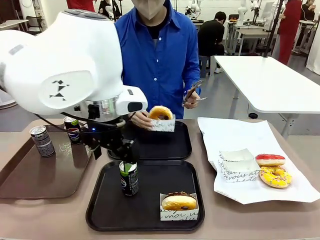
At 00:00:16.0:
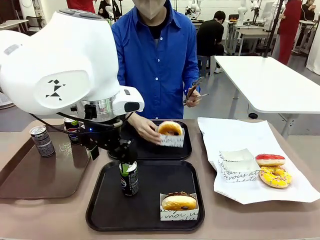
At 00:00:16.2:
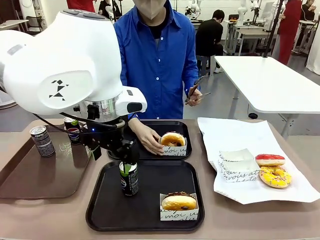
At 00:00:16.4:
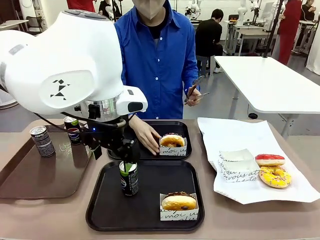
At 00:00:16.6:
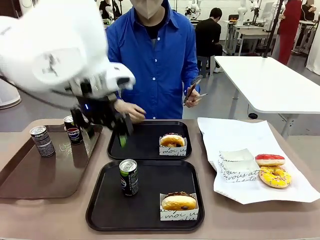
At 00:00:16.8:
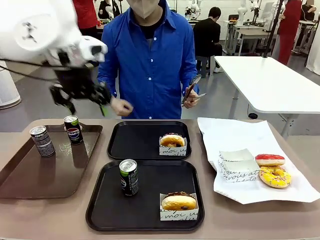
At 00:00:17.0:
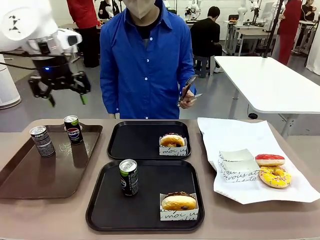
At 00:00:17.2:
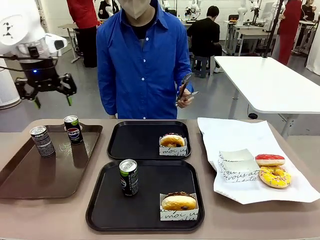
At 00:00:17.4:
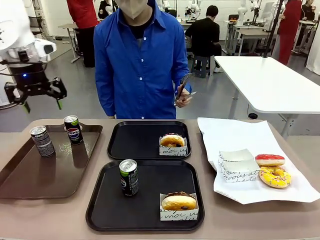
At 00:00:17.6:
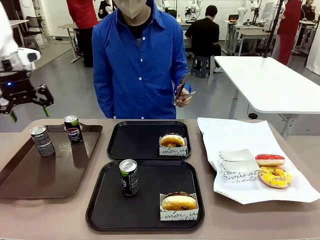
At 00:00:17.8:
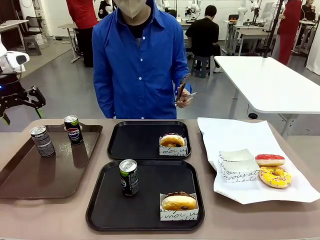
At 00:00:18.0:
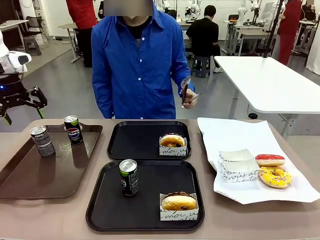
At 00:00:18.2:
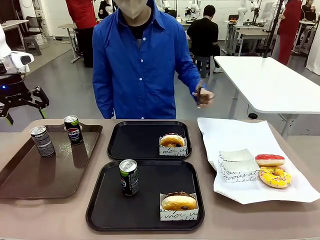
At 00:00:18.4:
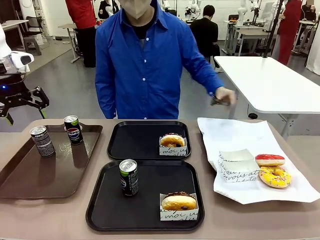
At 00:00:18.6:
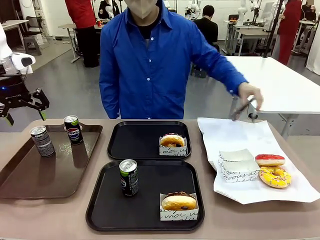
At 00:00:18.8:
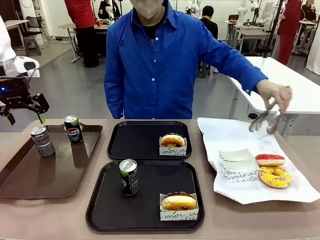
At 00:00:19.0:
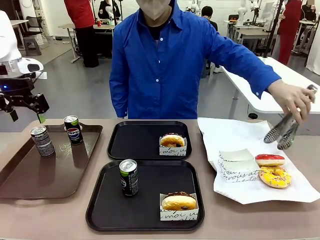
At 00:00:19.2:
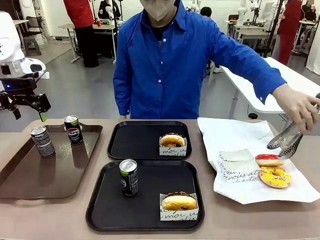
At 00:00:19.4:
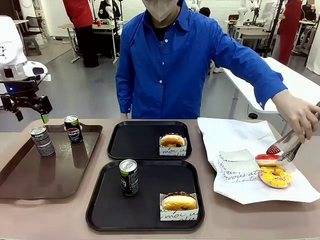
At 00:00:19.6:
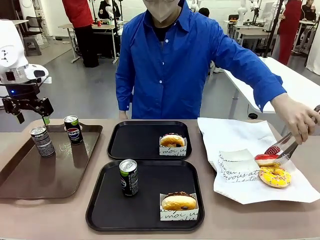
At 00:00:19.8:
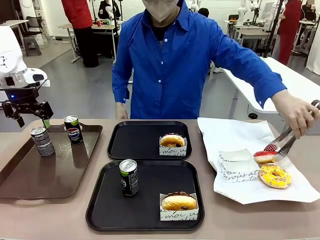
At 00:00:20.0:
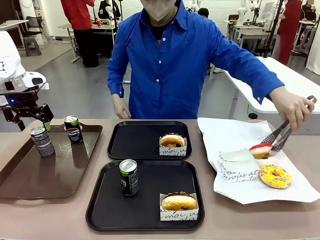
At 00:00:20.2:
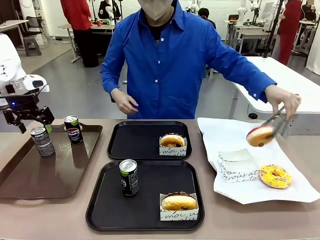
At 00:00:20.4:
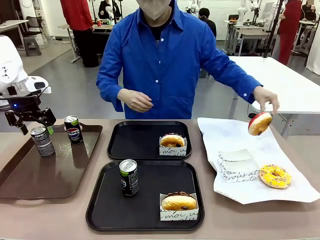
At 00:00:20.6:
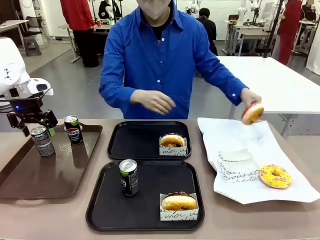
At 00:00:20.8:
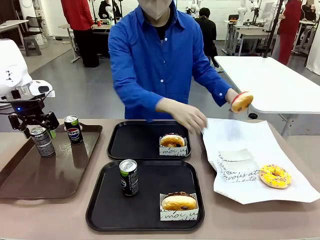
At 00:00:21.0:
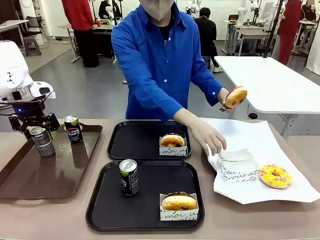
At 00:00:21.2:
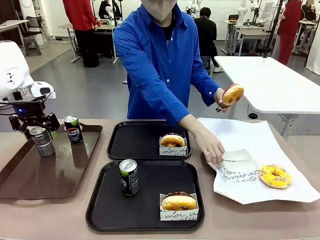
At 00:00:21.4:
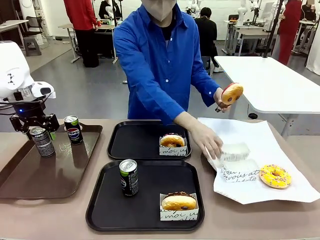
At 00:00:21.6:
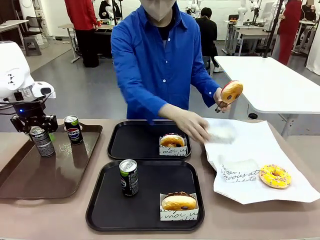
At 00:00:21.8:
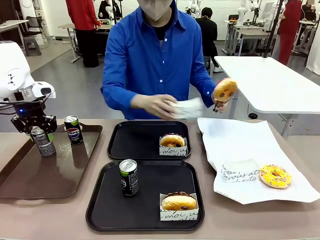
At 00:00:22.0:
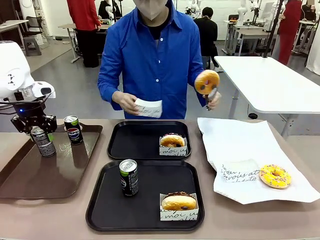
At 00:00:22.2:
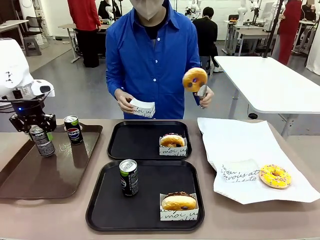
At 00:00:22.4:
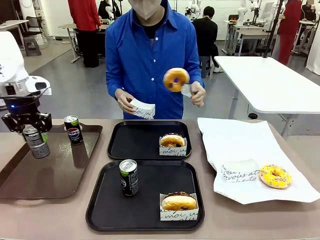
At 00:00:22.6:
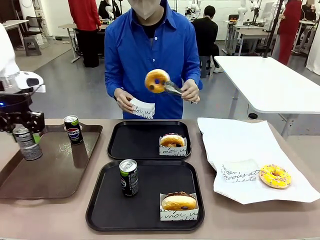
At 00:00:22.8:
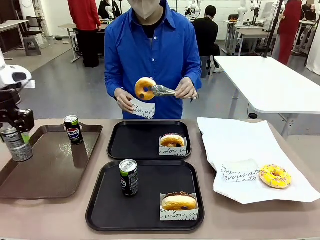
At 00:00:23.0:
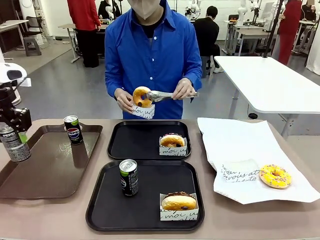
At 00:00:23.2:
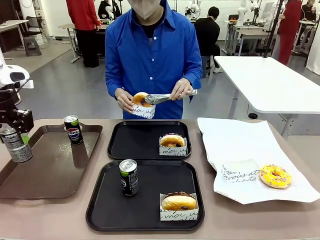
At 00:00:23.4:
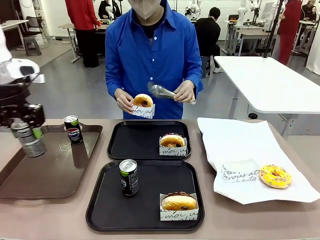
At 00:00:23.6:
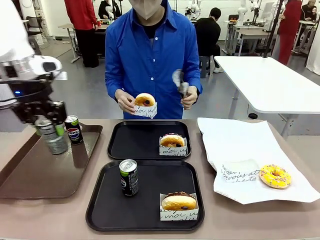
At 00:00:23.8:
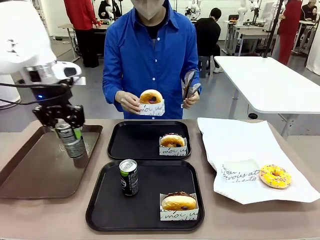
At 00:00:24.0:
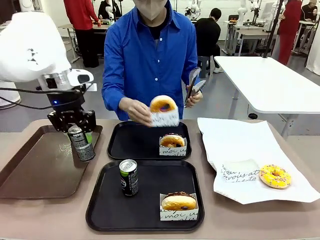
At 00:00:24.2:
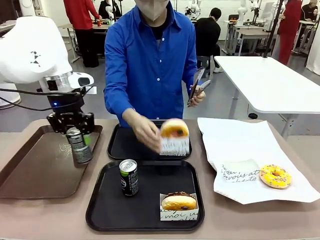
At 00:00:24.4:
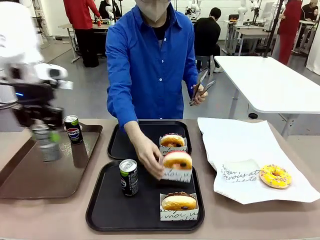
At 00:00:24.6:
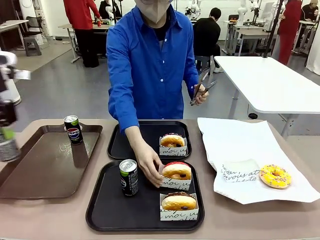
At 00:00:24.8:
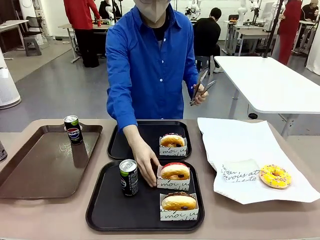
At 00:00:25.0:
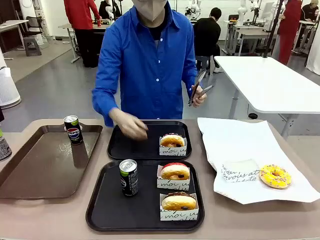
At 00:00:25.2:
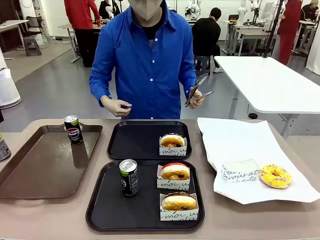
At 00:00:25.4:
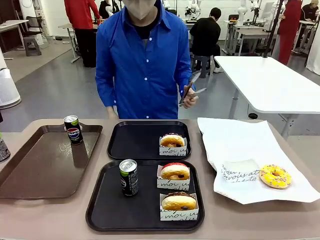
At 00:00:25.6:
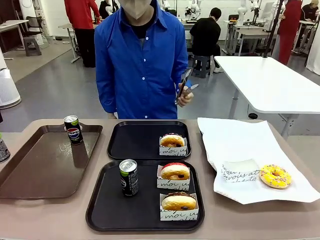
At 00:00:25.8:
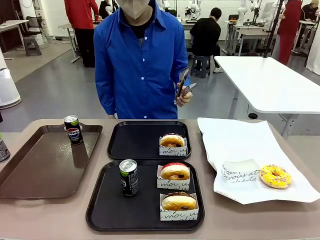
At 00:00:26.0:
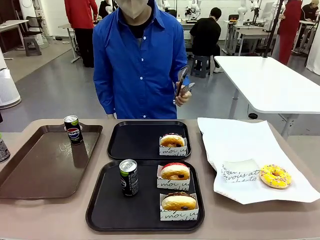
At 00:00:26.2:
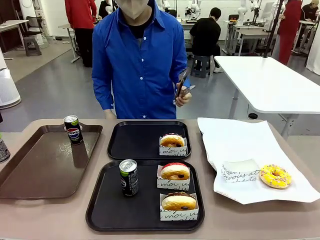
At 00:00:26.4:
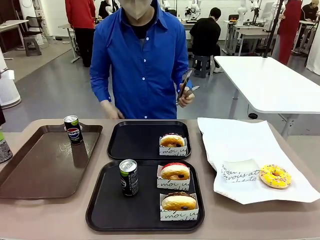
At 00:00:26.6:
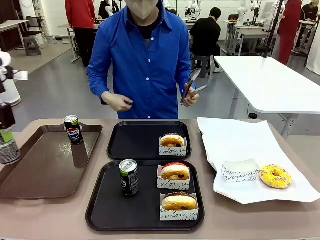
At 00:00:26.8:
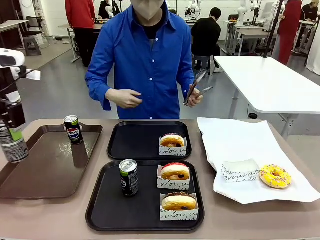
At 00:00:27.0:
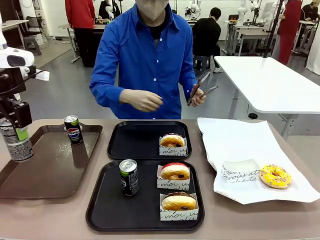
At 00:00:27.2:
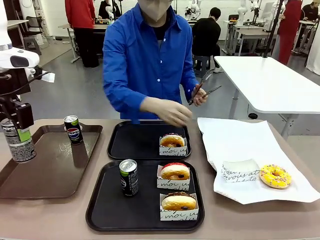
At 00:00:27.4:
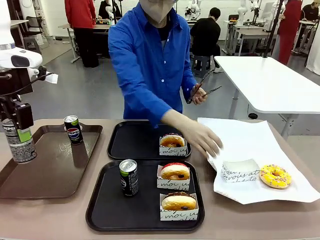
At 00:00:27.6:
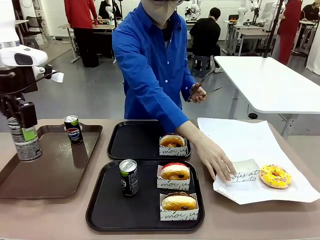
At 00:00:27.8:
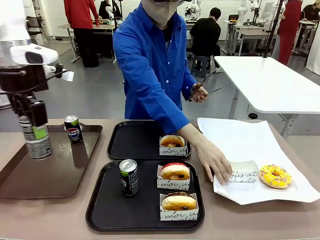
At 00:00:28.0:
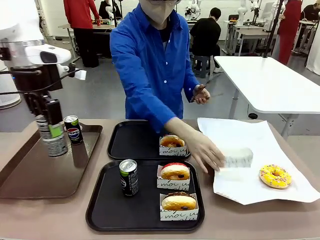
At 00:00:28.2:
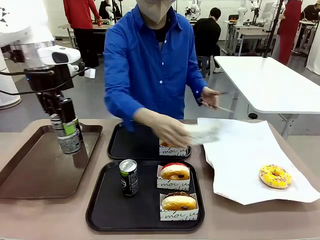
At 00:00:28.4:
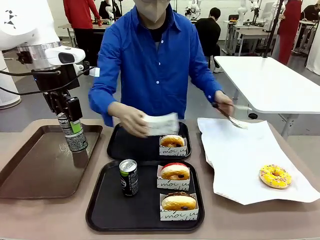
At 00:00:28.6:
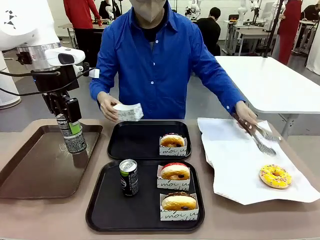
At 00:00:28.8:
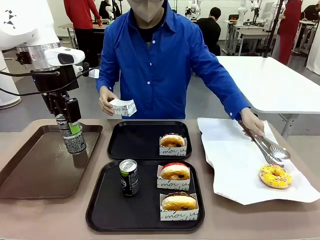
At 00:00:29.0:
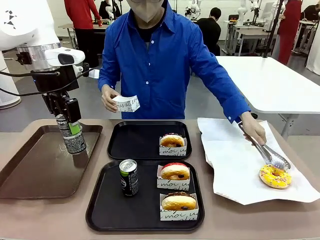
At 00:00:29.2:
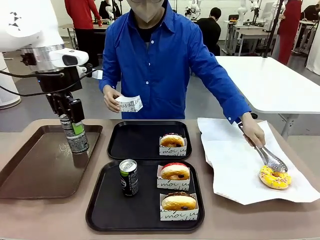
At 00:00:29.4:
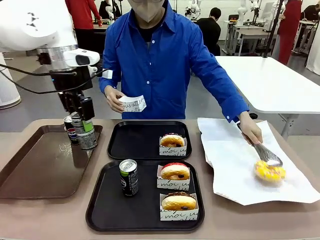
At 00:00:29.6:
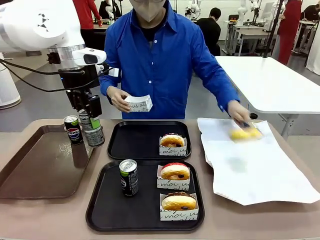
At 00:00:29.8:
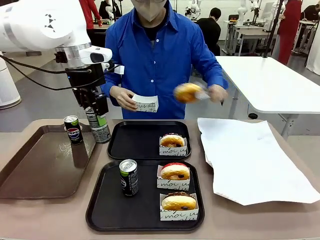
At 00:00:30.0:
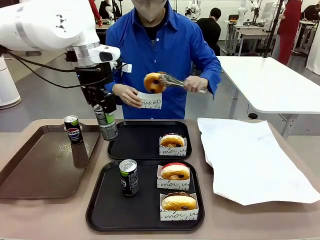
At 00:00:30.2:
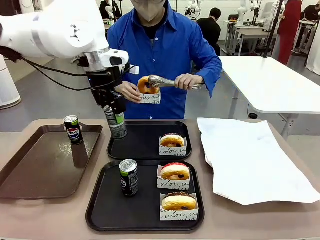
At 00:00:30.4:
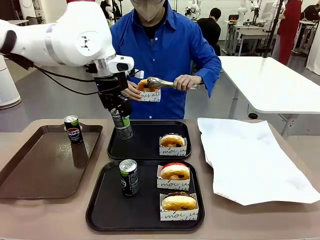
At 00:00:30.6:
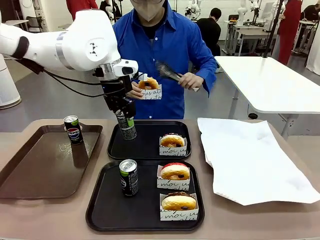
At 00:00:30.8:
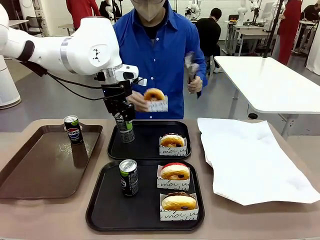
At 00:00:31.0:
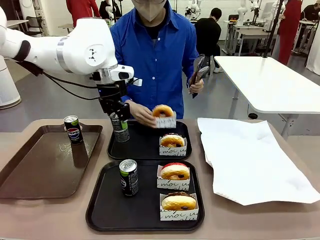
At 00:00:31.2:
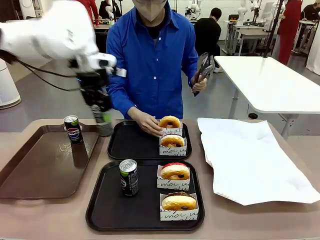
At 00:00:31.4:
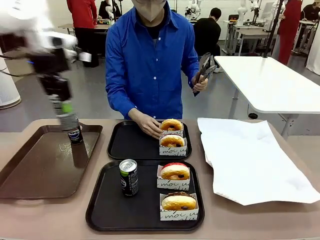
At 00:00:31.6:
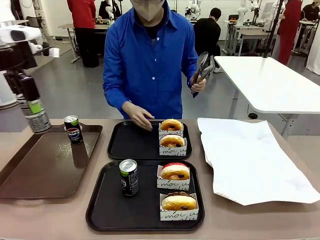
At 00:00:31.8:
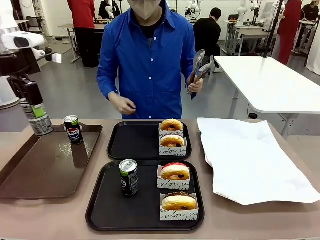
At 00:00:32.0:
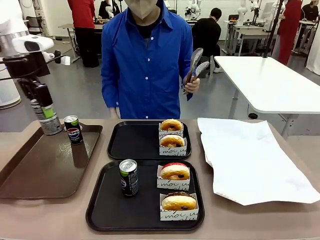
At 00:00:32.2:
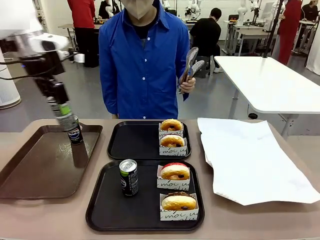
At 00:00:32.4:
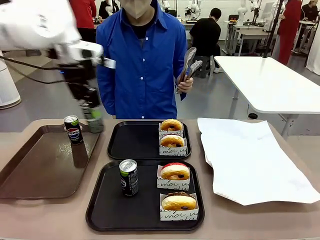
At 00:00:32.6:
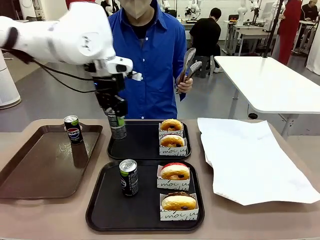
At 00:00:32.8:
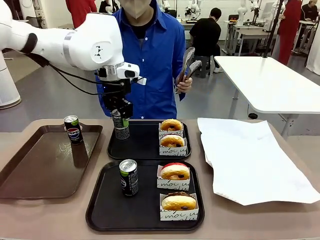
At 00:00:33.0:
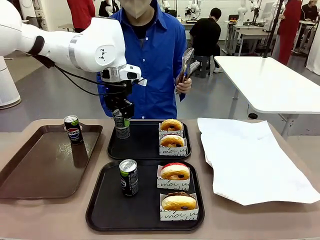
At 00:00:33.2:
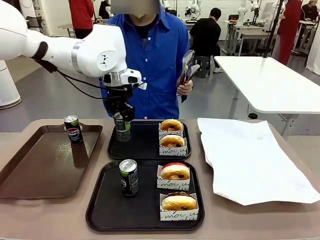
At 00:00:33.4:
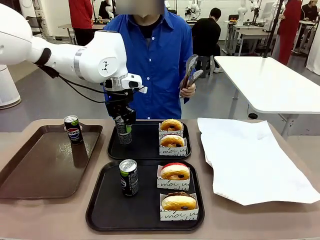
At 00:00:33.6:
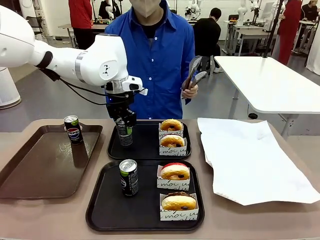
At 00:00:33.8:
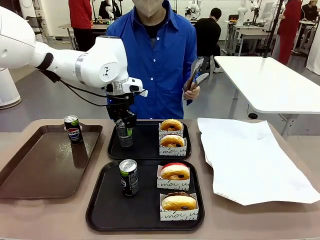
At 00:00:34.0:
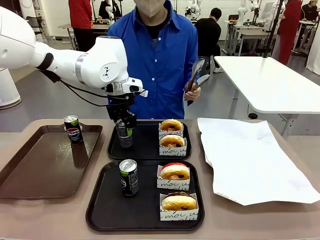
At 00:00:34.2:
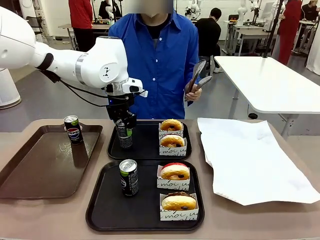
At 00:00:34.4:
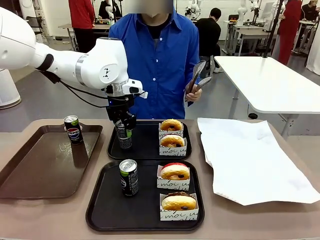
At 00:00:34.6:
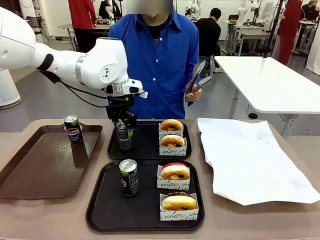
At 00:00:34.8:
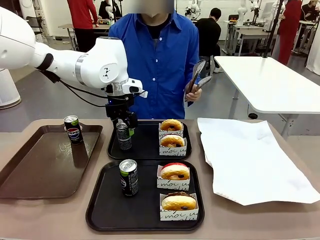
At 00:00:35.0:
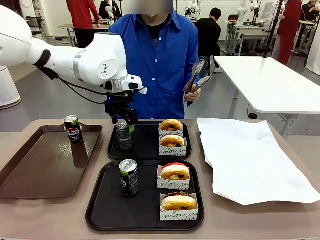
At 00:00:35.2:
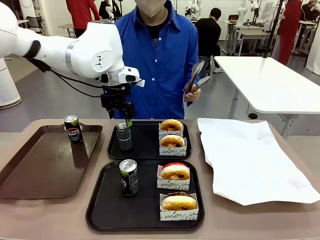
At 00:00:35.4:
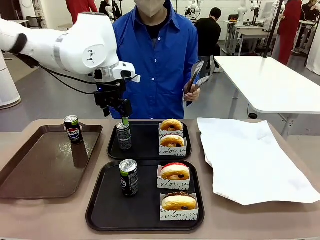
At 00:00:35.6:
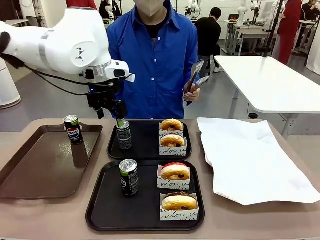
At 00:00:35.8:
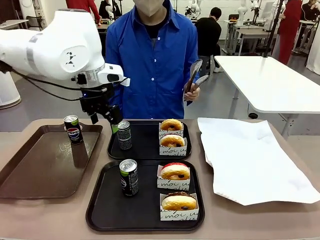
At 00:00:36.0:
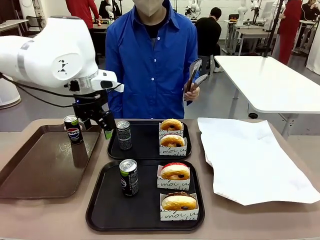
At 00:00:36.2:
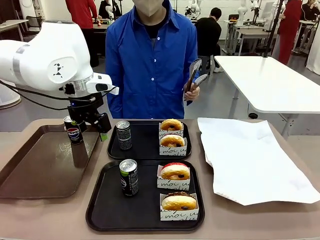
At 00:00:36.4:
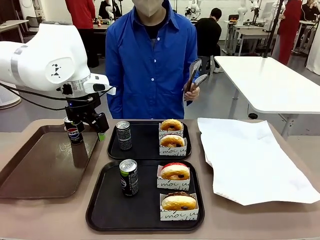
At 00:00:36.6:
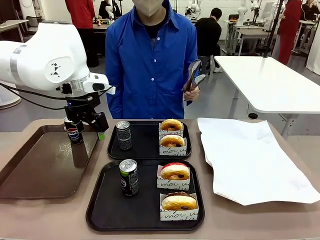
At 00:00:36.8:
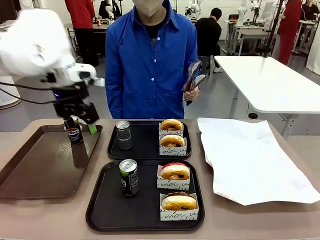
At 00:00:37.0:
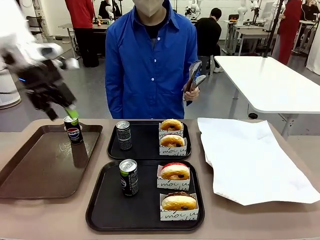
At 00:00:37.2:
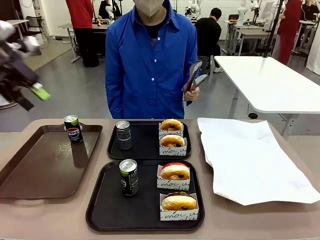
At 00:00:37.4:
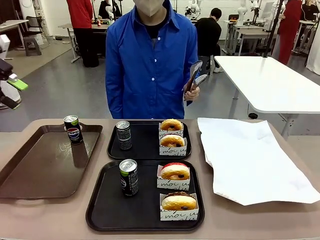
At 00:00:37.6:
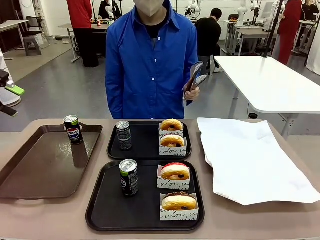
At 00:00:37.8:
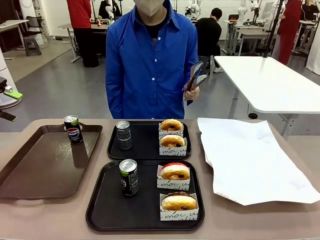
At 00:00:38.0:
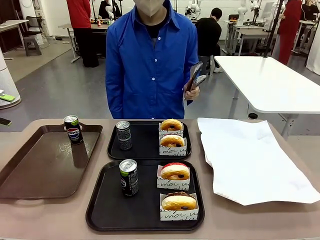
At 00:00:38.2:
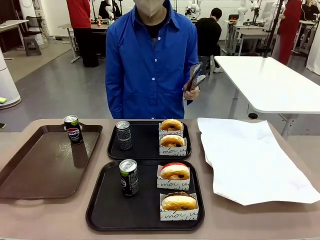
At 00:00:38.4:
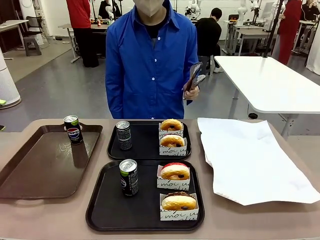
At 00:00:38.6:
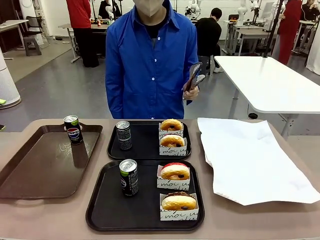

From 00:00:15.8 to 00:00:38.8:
Task: Set up donuts and drinks on trays.
Robot: Pick up one Pepsi coke from the Handle tray and place it on the Flat Tray without a Pepsi coke.
Person: Pick up one donut with tongs, place it in the donut tray, and then place the donut tray on the flat tray.
